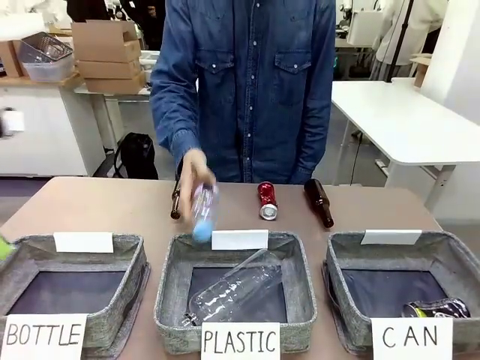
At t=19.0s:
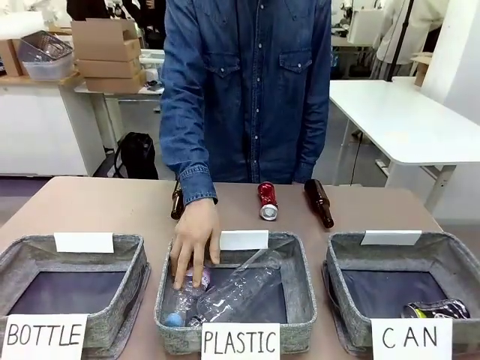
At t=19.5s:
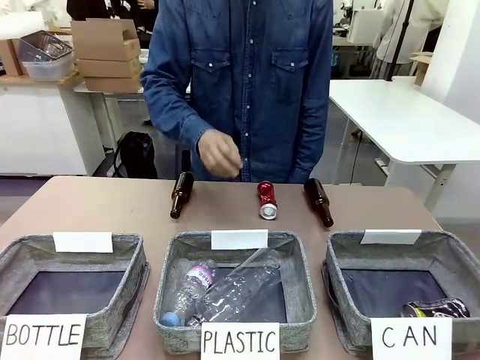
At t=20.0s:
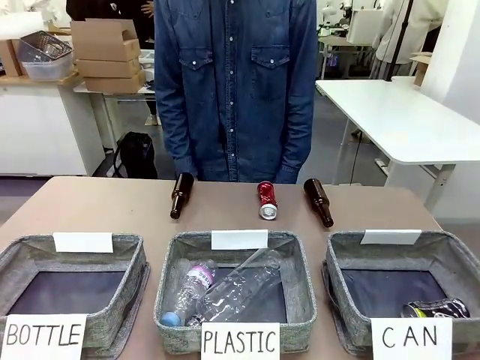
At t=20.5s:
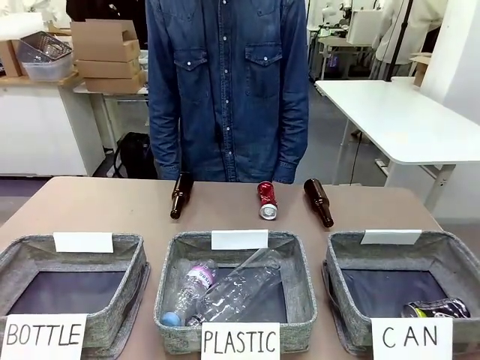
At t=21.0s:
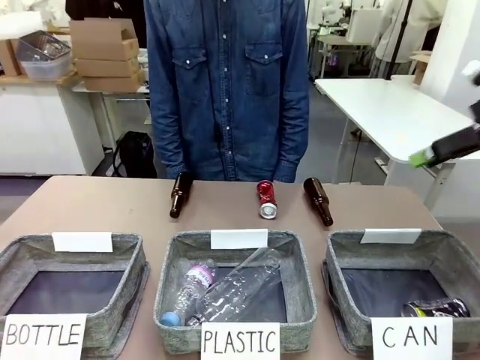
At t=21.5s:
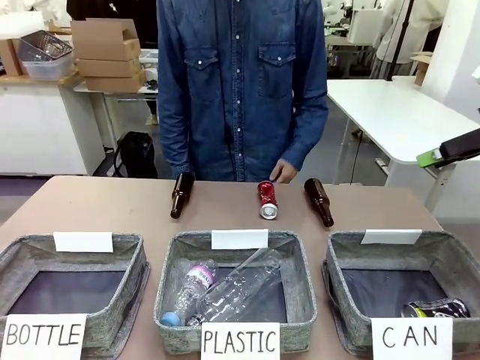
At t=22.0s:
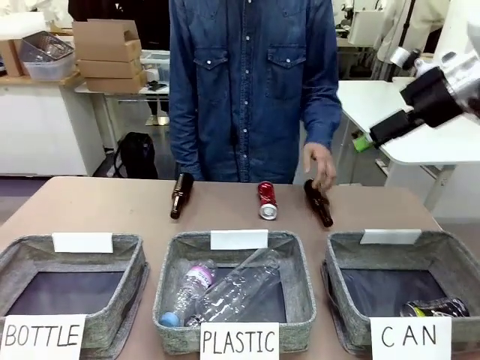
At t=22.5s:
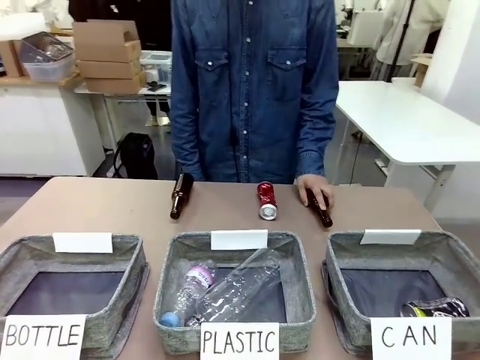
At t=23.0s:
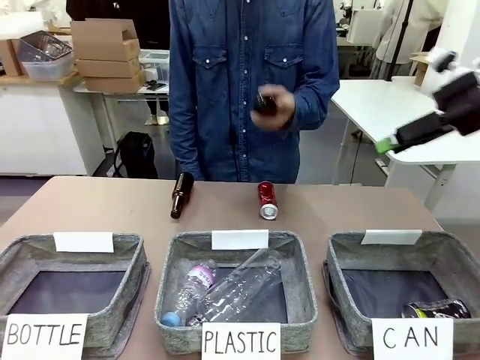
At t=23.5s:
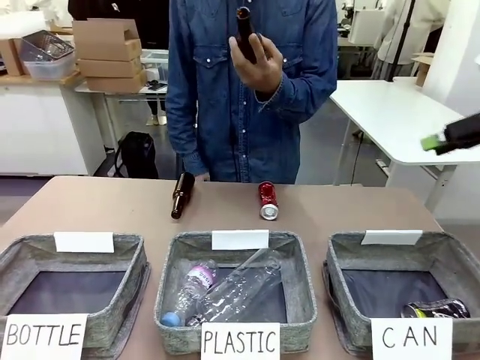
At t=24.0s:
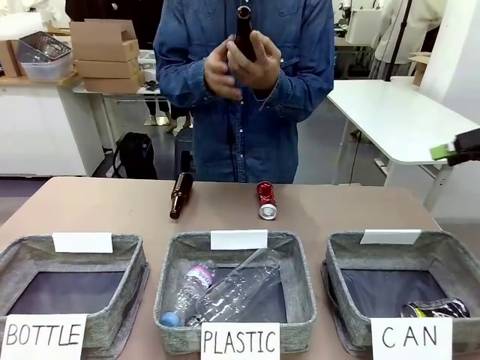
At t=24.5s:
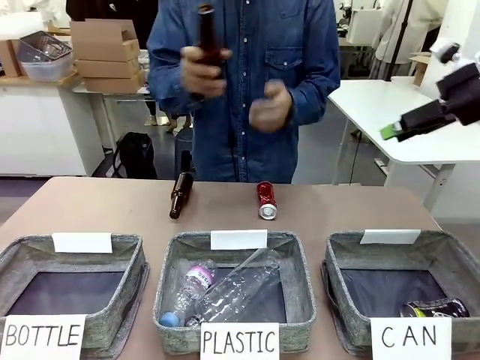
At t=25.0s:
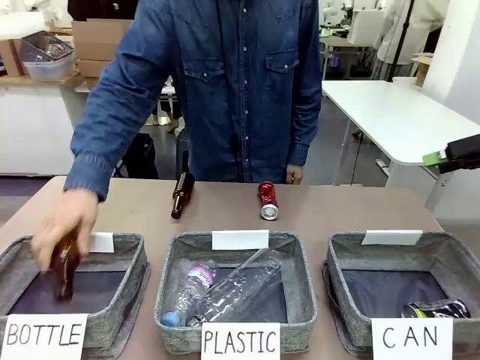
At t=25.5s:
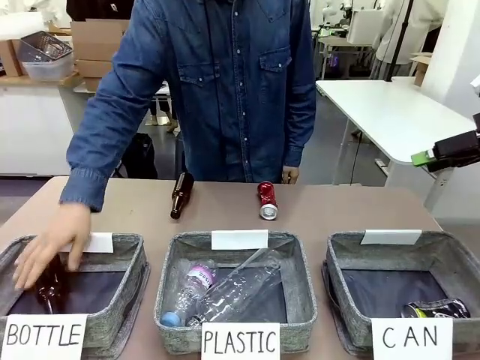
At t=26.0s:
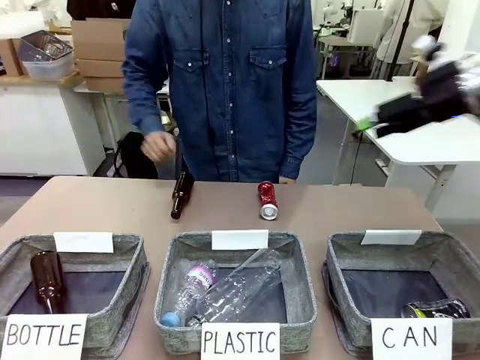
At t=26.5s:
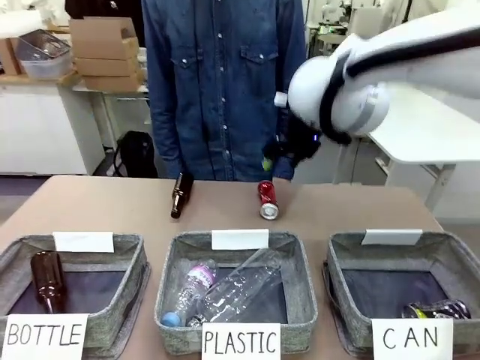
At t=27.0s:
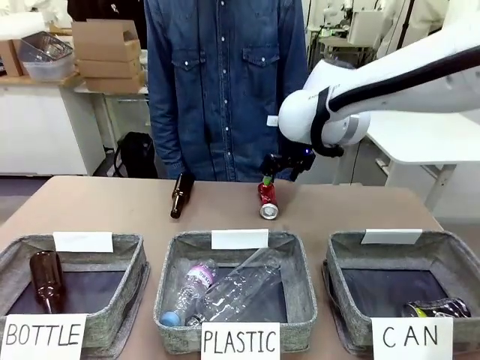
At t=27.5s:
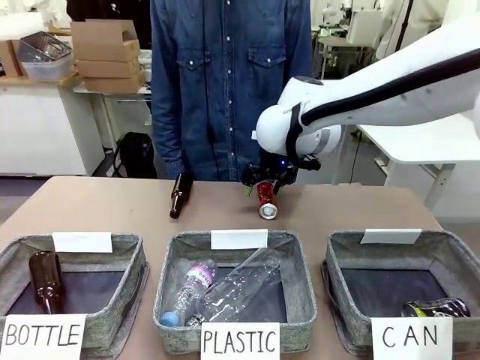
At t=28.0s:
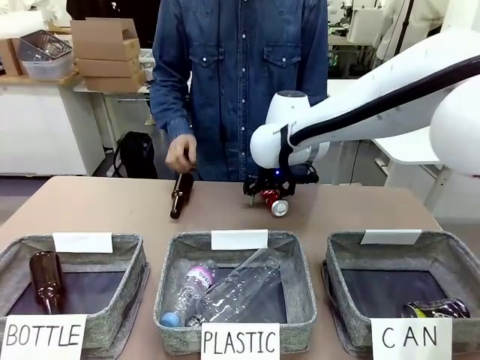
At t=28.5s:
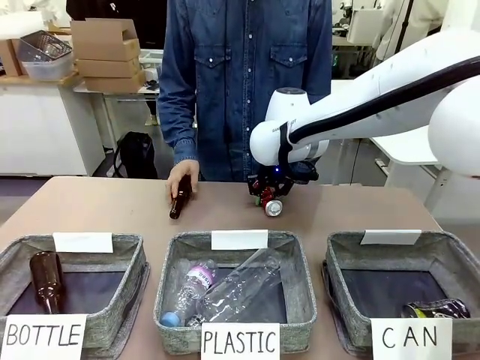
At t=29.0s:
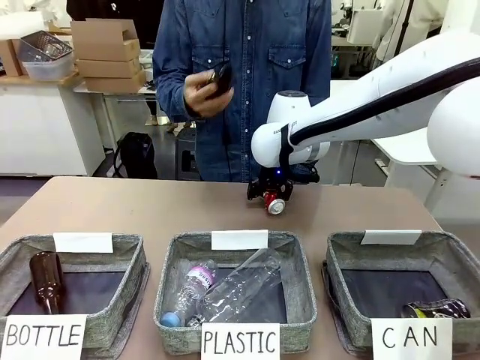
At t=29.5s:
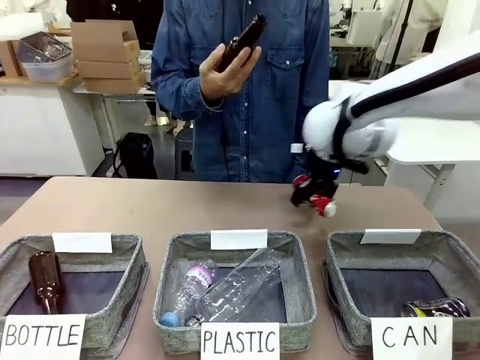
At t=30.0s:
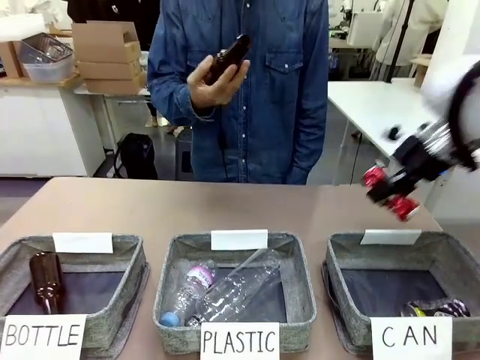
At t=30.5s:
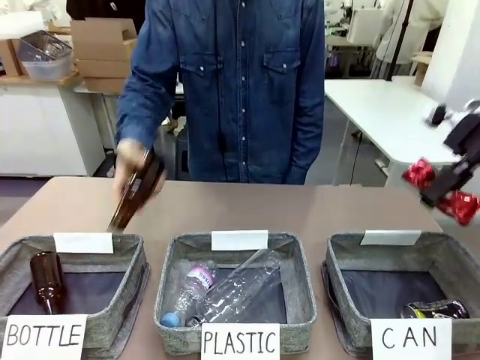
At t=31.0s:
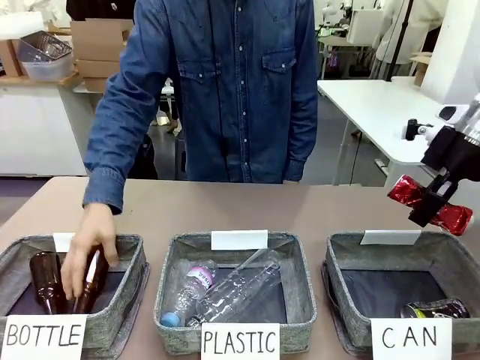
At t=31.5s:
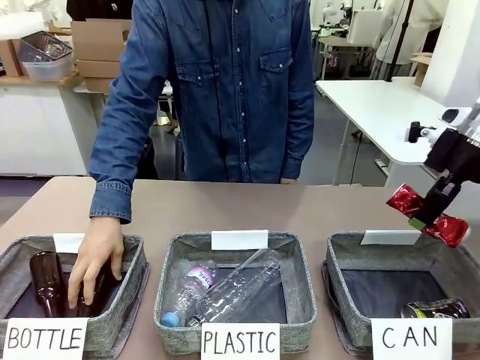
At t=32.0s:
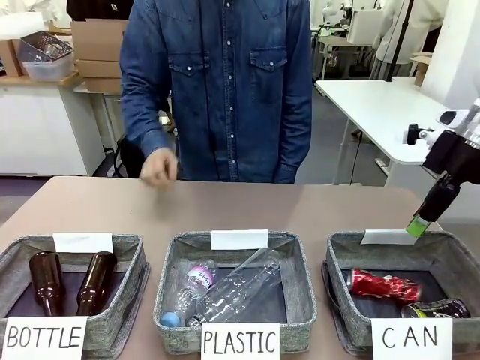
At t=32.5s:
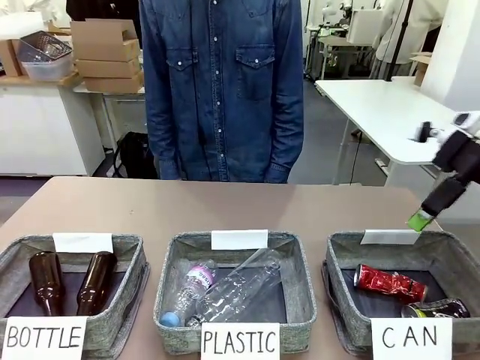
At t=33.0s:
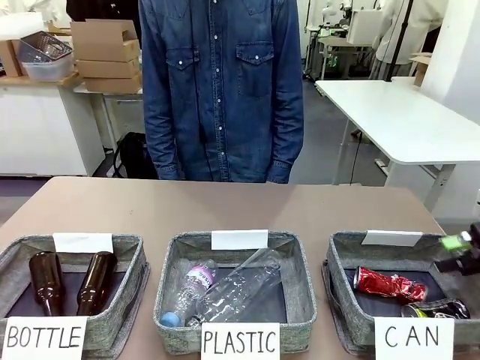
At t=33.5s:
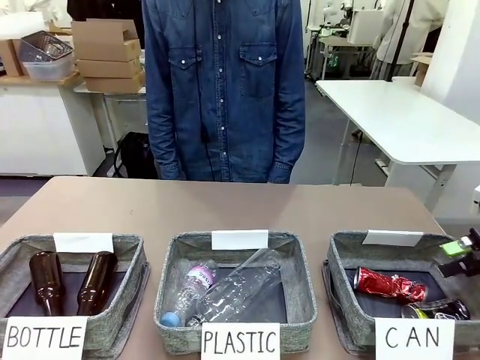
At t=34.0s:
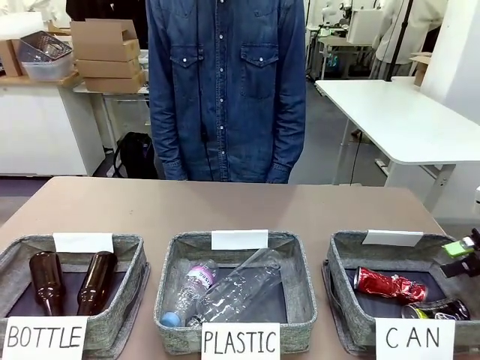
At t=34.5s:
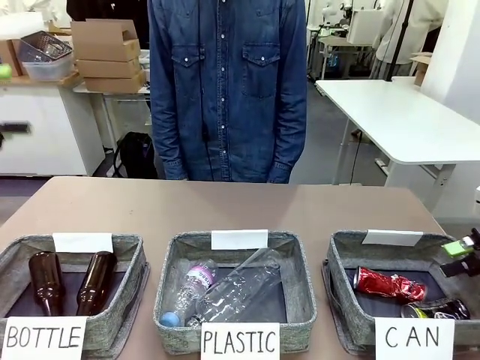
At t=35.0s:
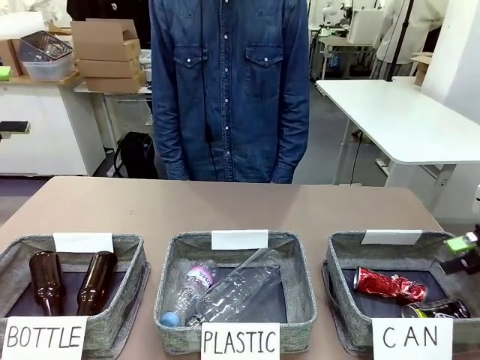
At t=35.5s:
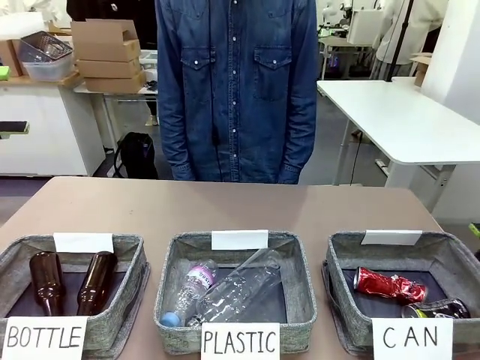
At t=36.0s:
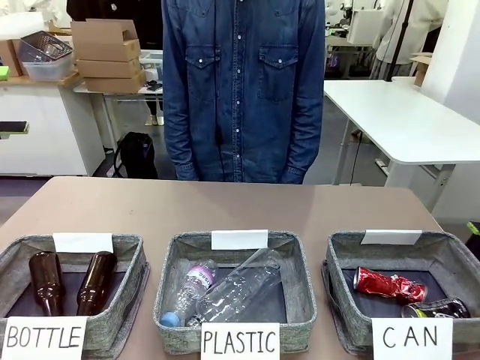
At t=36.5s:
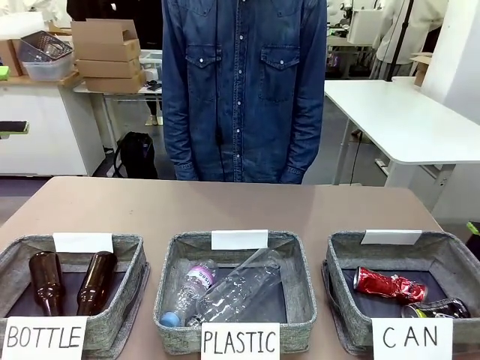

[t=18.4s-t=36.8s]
Task: Sort the can waste into the basket.
Robot: Pick up the can waste from the table and place it in the right Fabric basket.
